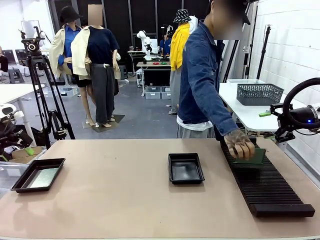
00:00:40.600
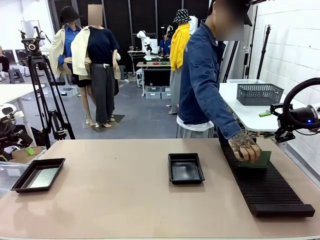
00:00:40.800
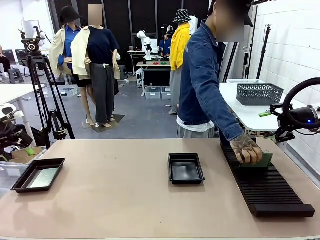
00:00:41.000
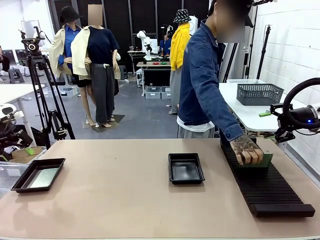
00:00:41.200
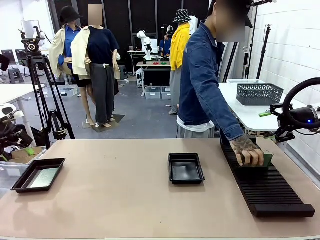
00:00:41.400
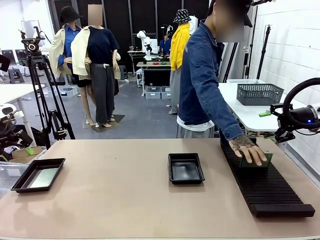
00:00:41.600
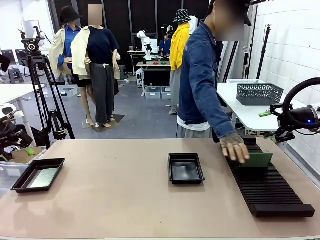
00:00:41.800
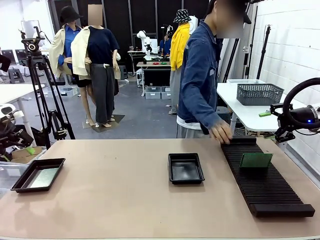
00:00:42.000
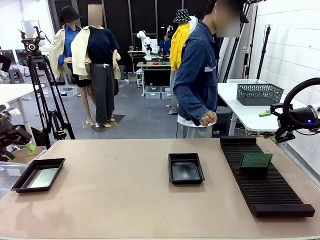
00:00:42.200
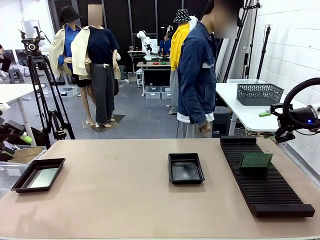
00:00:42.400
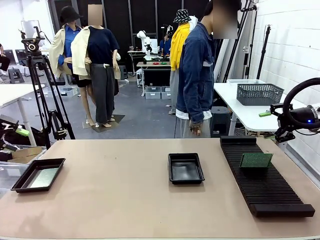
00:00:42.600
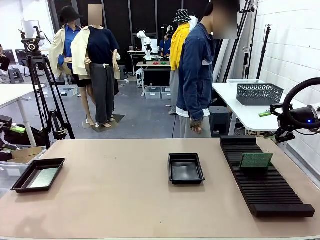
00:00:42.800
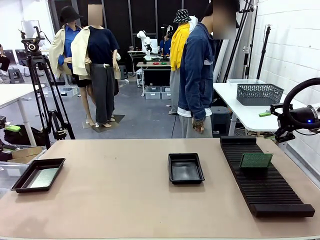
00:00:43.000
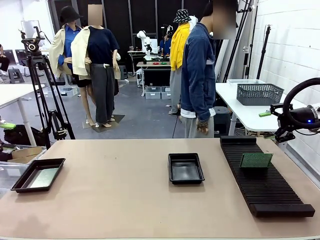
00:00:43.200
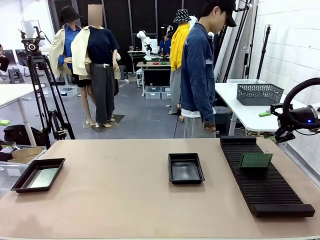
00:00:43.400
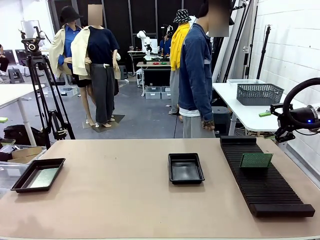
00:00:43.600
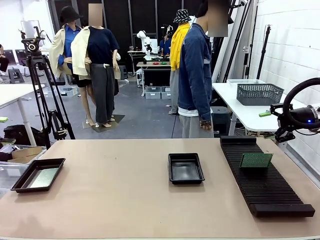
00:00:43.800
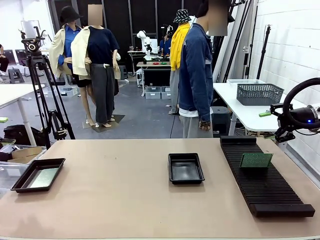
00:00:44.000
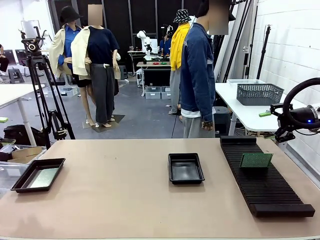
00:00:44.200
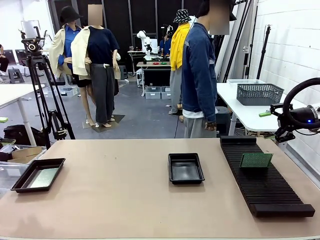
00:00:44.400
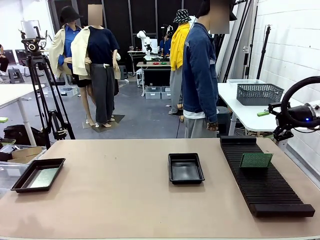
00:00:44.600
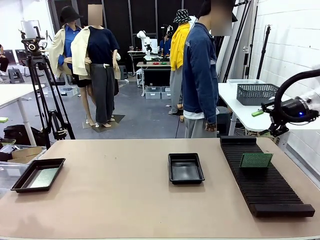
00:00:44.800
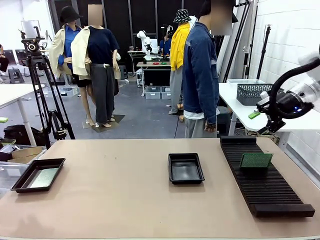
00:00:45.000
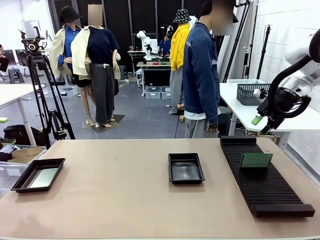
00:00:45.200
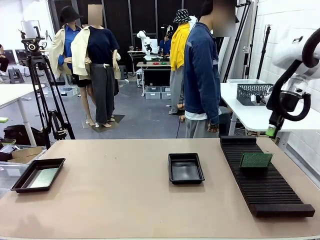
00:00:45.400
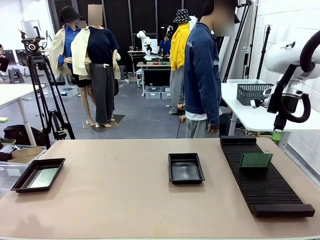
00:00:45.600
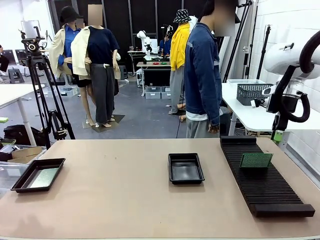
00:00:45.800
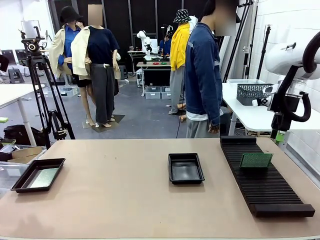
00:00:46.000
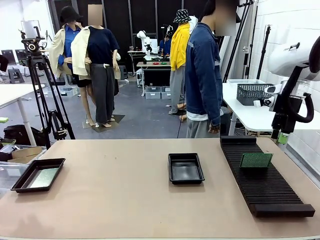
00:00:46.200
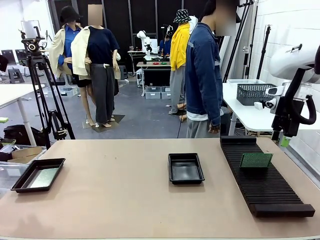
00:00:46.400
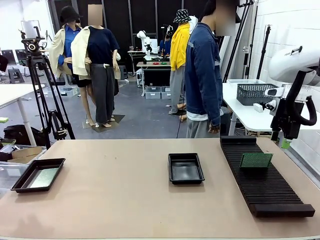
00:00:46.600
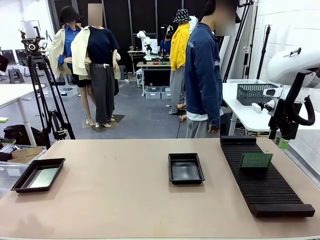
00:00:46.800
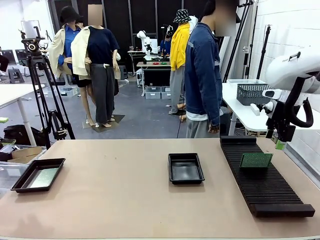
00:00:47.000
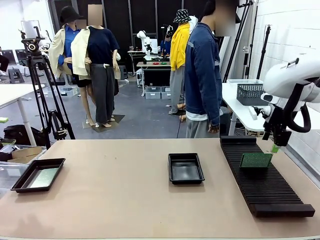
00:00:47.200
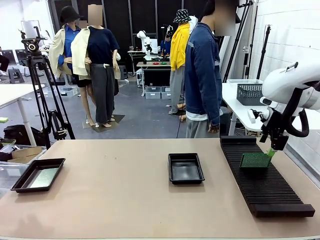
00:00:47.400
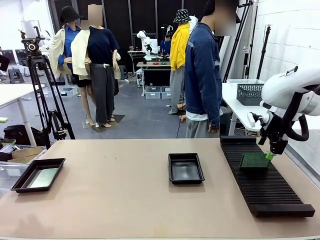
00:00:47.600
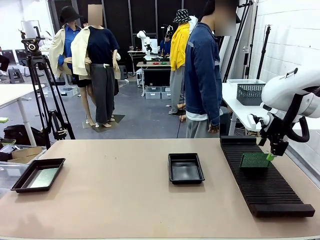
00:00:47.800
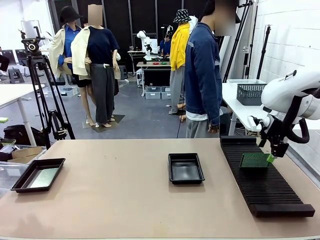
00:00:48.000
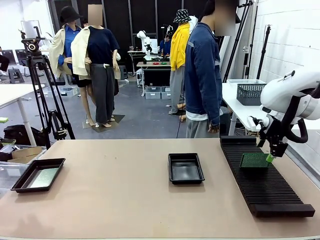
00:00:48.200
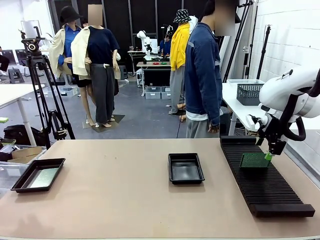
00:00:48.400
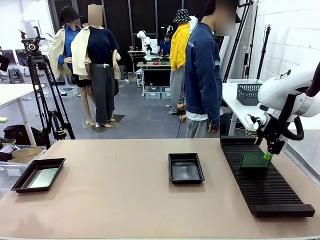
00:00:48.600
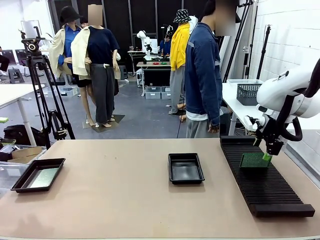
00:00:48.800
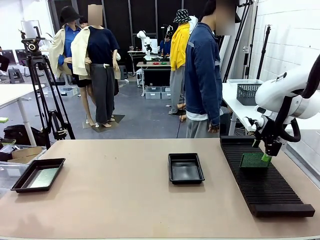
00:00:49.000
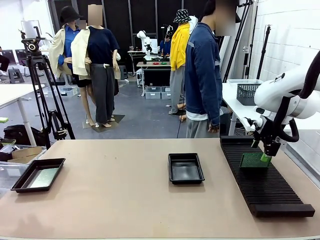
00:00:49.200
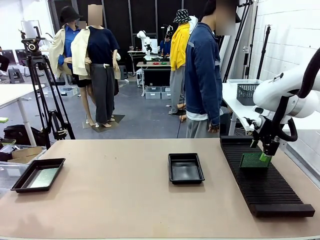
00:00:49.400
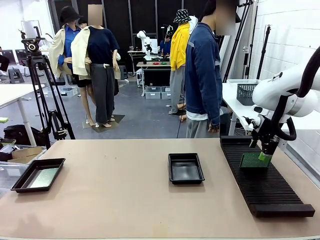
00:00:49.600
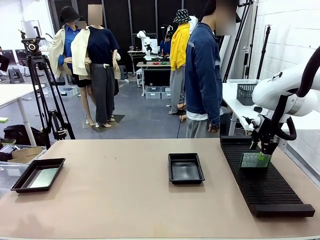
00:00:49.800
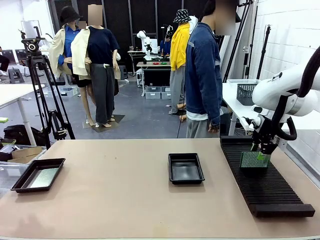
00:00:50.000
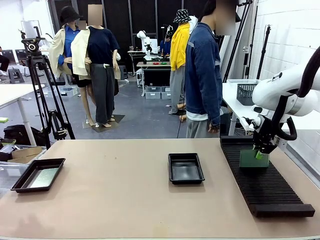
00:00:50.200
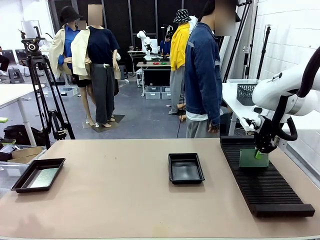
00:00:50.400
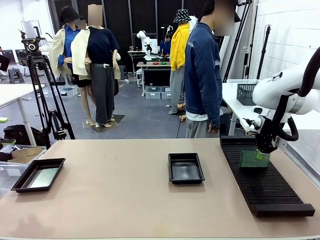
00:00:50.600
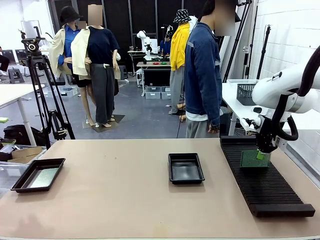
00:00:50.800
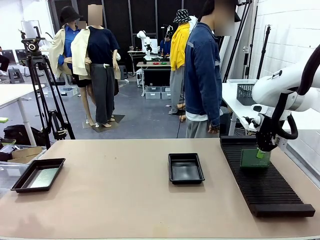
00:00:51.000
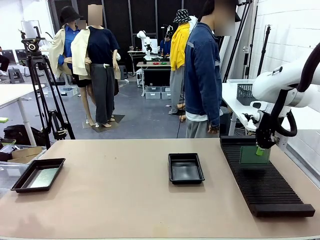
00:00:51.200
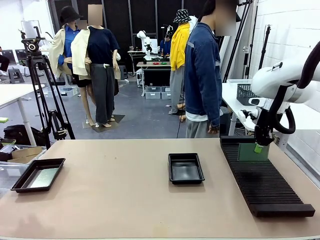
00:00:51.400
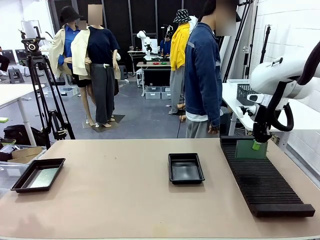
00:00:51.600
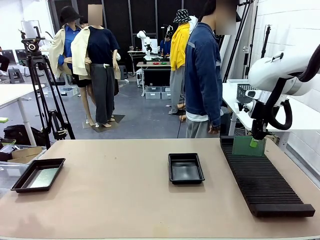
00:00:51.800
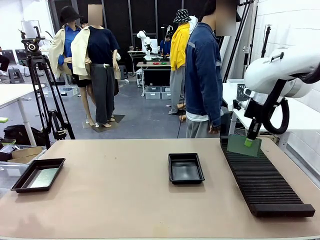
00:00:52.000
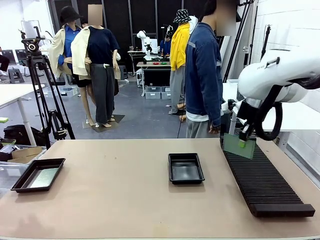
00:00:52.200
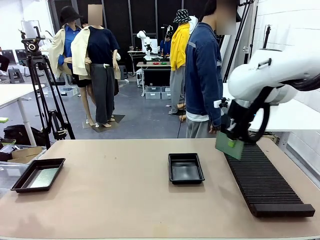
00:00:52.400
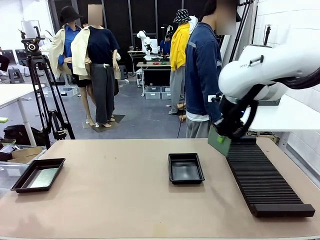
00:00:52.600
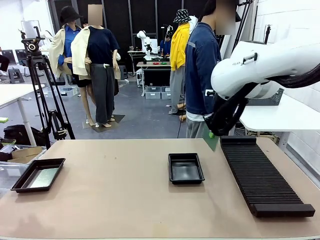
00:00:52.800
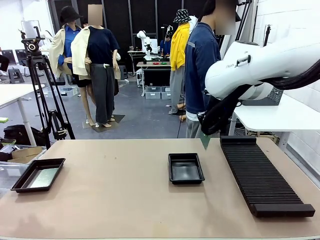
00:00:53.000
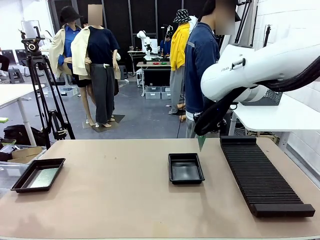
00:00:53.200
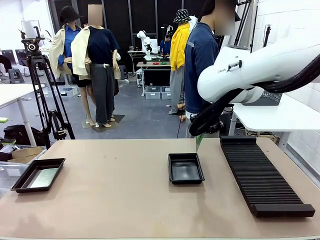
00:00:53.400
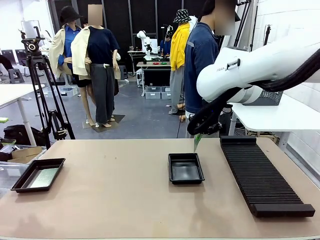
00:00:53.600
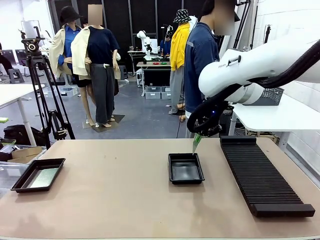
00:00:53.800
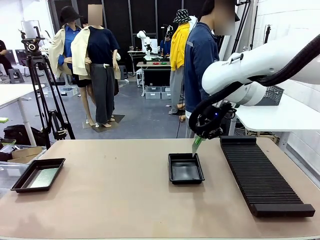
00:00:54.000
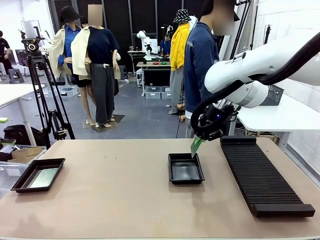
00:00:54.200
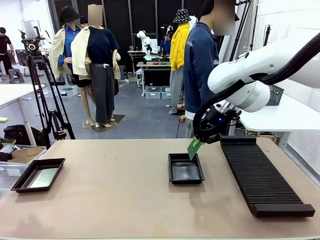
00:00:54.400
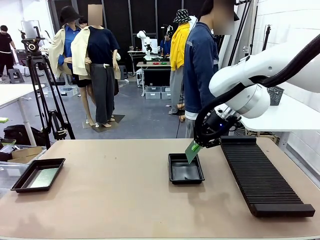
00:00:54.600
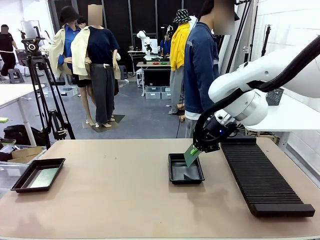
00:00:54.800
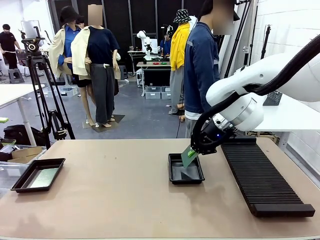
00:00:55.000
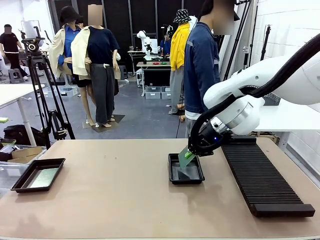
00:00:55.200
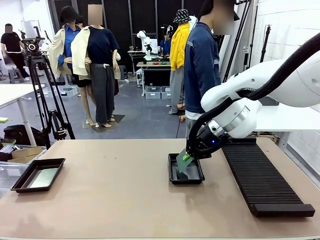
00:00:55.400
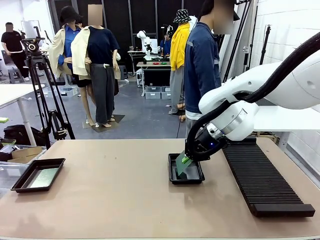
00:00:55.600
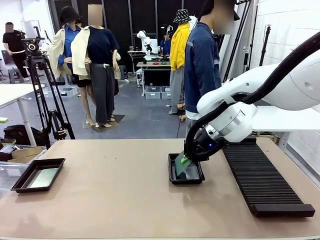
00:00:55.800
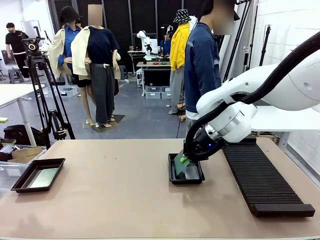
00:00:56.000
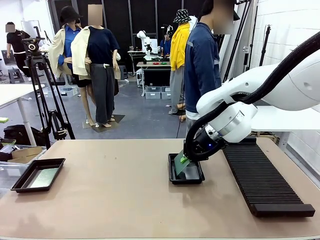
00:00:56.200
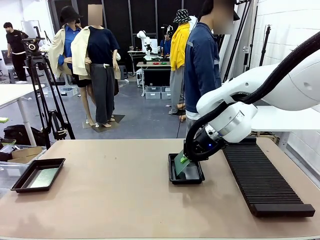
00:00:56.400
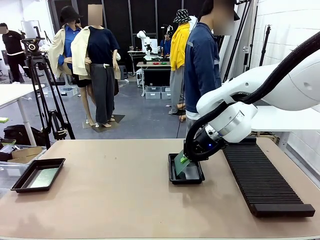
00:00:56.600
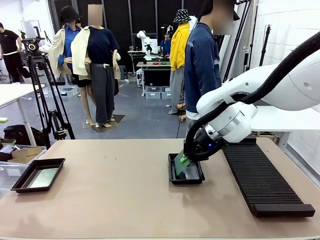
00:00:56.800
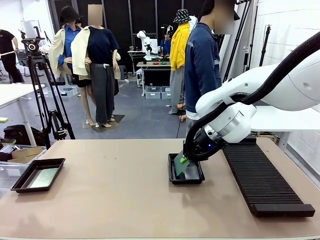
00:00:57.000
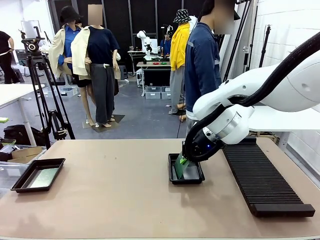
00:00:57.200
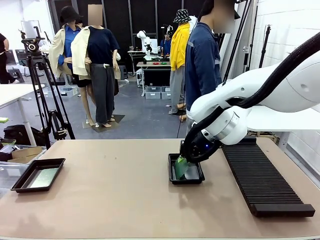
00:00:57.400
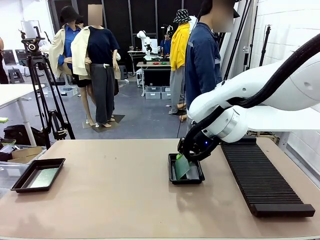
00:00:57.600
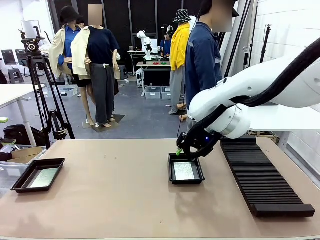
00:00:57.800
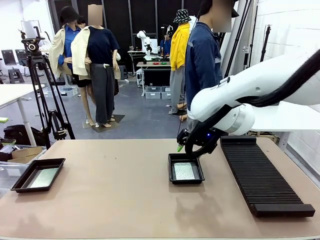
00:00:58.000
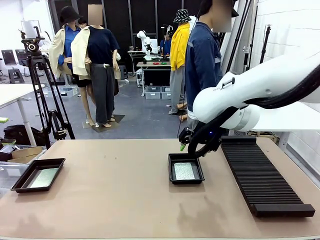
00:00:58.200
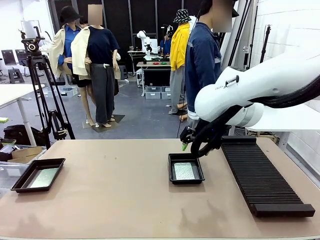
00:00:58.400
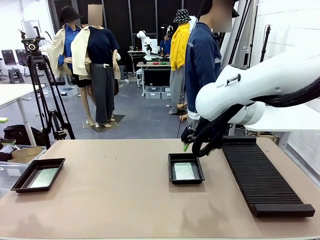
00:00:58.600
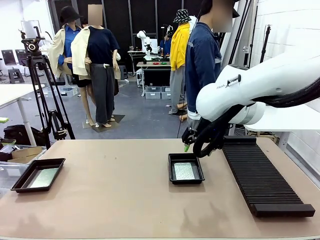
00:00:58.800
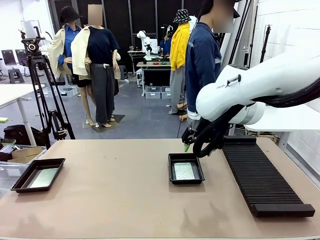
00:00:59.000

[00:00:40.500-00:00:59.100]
Task: Inspect and transfer BCBs to ESD trays.
Robot: Pick up the Blank PCB from the PCB Rack and place it in the right ESD tray.
